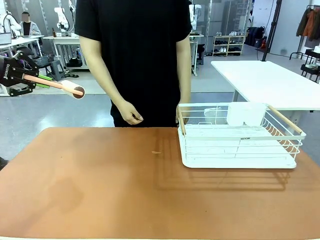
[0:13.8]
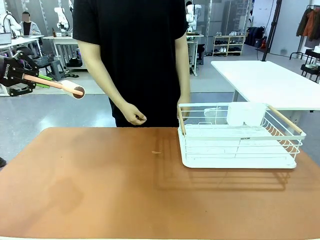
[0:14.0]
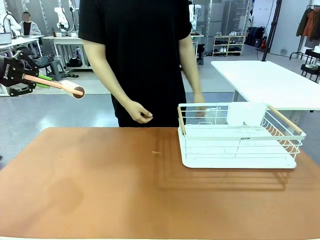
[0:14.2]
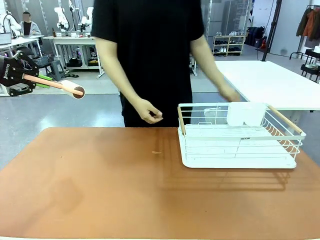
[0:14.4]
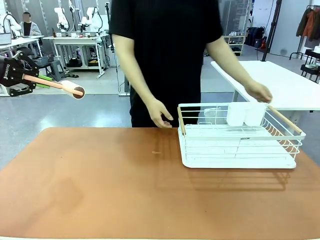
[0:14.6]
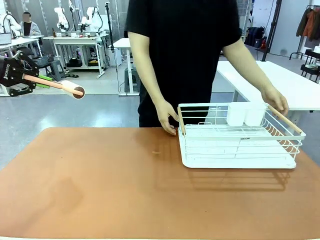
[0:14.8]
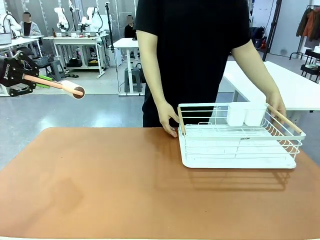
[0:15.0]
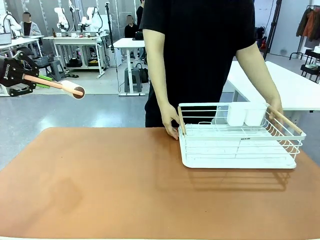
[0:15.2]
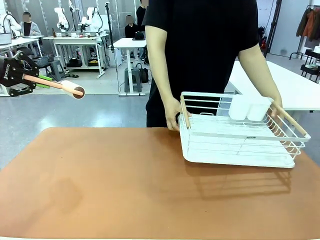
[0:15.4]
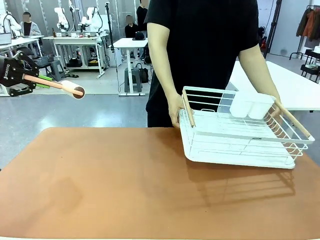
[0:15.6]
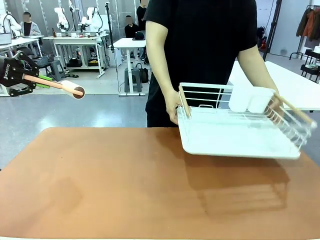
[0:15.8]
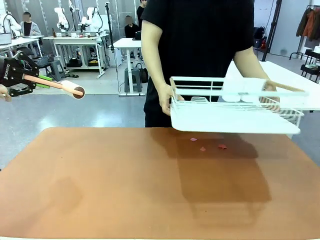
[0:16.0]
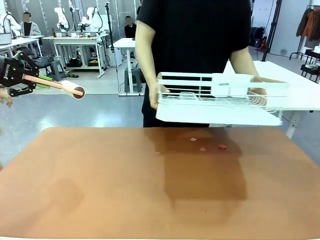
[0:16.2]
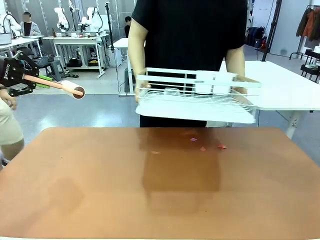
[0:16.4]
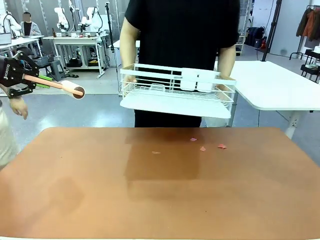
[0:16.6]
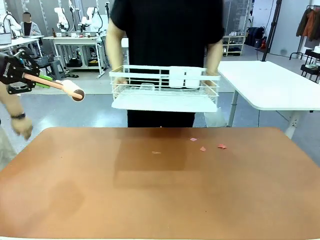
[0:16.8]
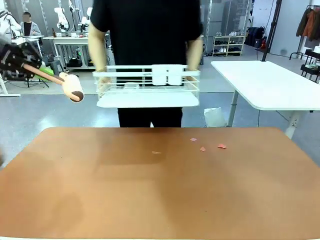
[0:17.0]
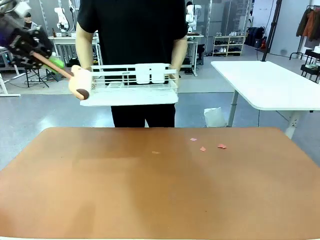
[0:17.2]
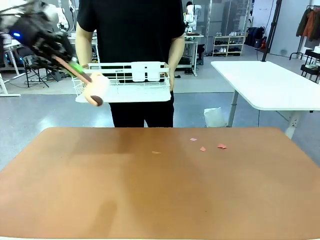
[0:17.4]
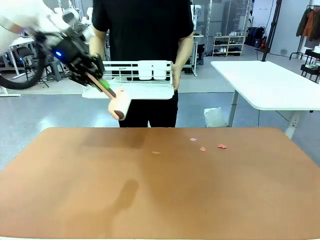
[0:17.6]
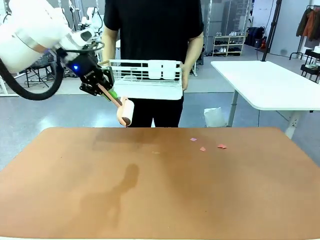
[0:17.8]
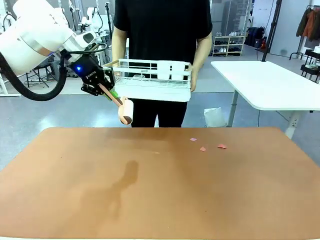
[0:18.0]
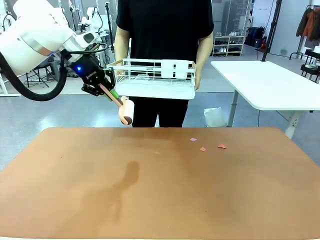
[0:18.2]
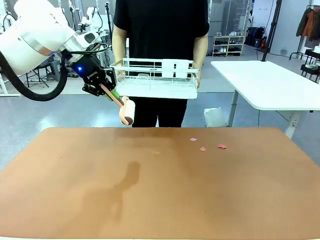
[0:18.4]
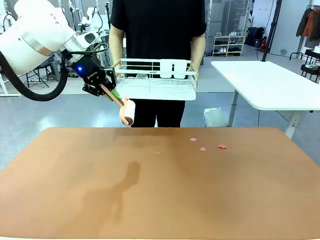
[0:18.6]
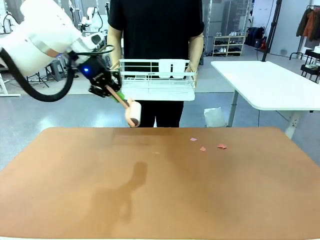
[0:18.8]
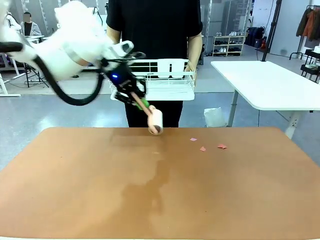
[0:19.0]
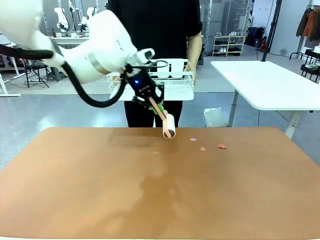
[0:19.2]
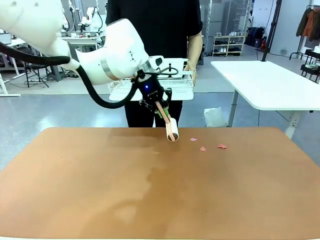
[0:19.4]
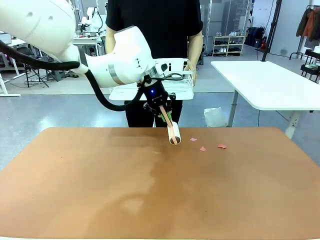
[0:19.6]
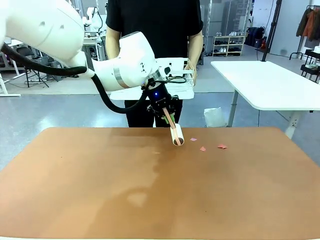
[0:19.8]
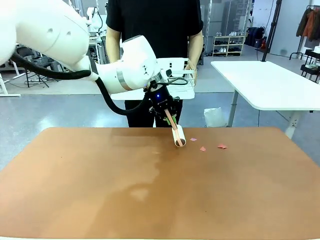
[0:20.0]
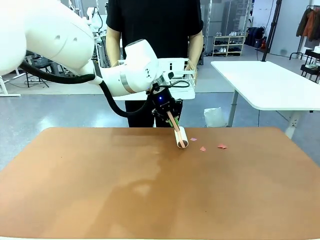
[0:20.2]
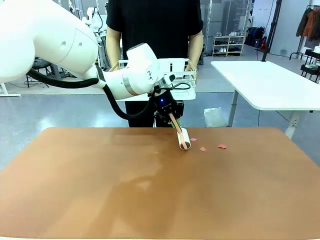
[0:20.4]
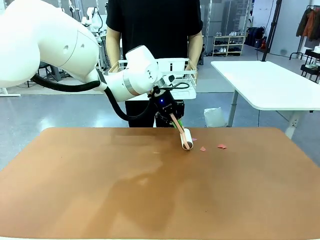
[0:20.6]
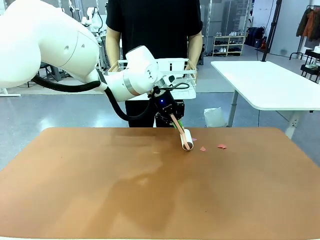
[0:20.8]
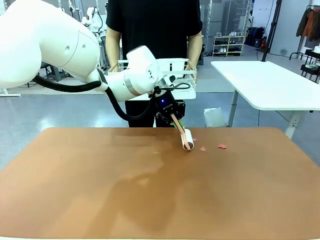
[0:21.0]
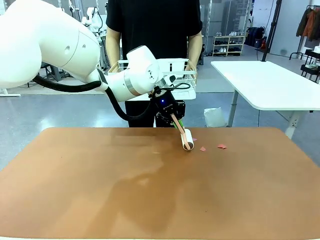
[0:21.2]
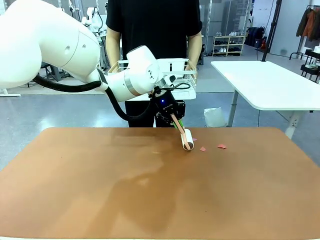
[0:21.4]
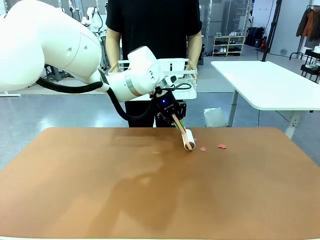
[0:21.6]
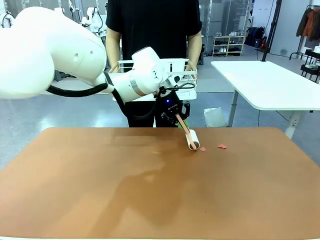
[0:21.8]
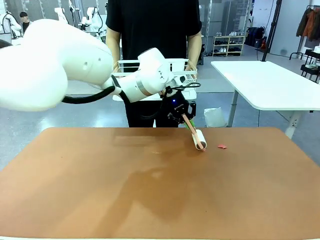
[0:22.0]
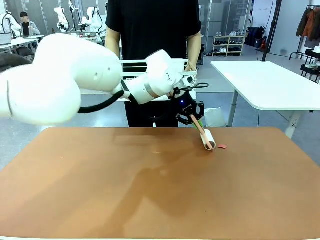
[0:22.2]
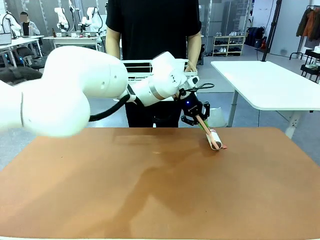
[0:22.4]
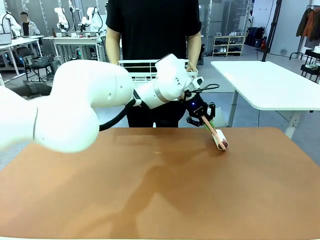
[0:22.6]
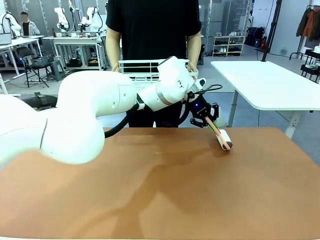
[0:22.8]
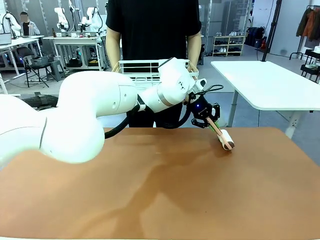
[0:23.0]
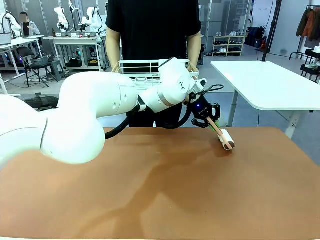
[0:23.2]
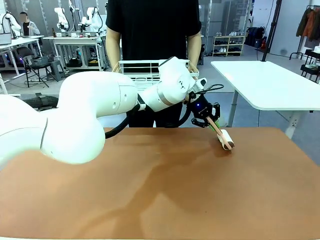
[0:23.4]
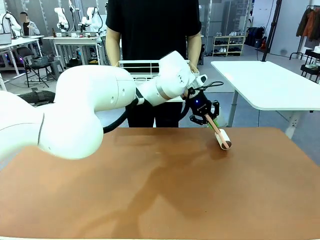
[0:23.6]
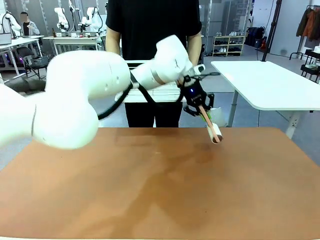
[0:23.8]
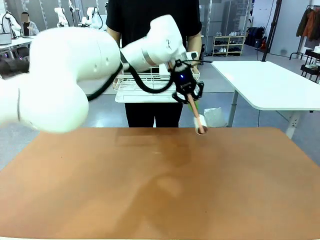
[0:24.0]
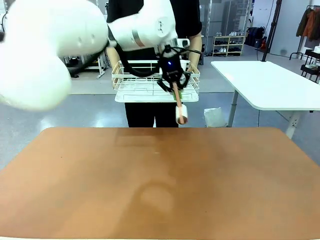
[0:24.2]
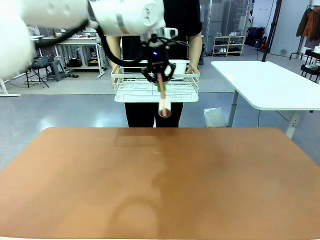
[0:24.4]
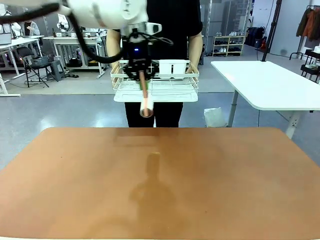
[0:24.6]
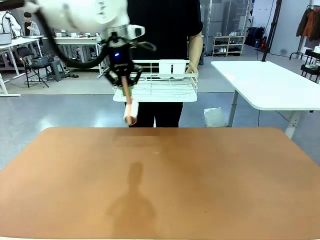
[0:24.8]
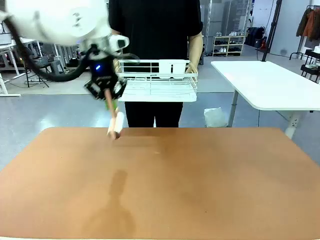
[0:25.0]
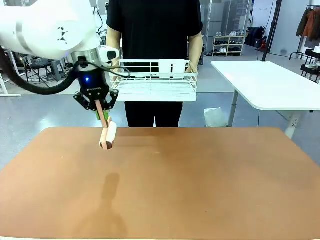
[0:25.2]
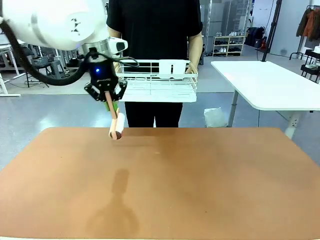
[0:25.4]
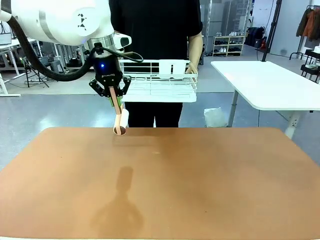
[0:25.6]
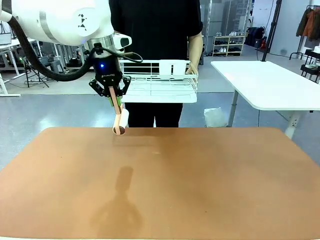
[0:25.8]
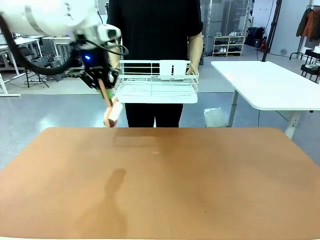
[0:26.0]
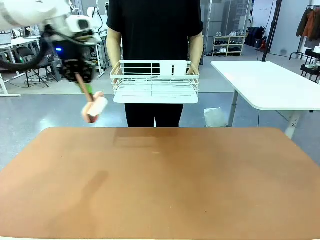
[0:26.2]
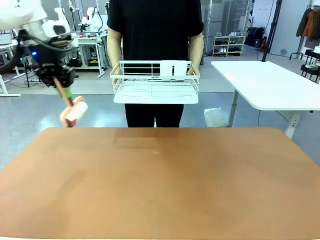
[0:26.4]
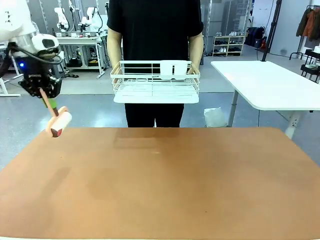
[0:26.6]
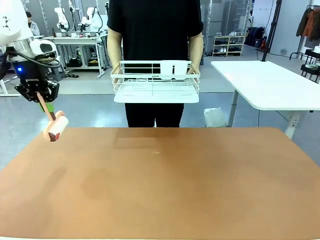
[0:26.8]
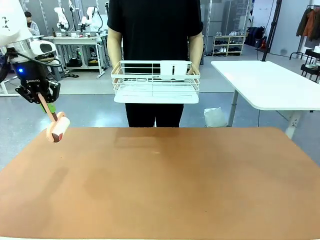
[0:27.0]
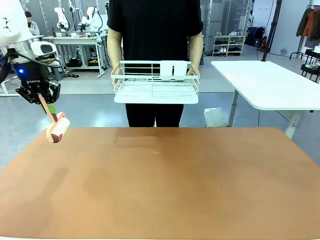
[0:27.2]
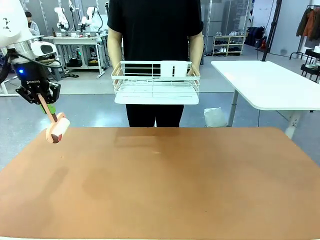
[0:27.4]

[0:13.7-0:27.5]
Task: Clean the table.
Robot: Clean the table with the Lint Roller when the human lifts the Dish drying rack.
Person: Place the Dish drying rack down when the robot finishes cleaning.

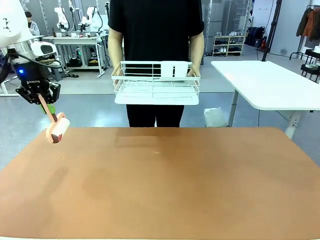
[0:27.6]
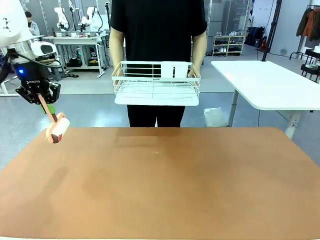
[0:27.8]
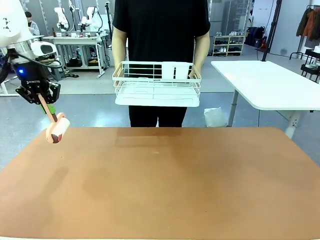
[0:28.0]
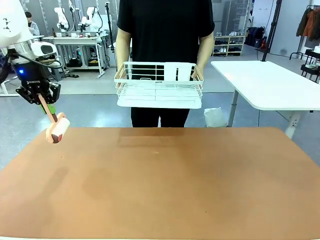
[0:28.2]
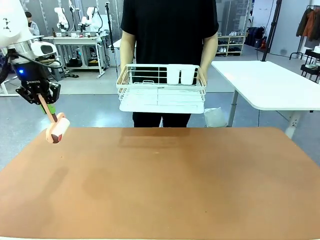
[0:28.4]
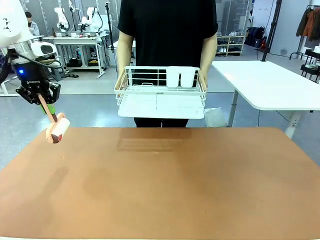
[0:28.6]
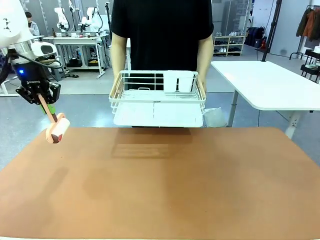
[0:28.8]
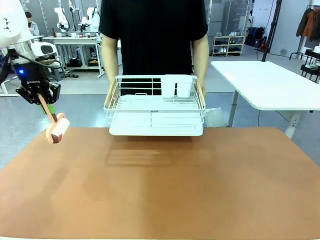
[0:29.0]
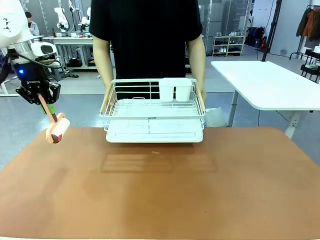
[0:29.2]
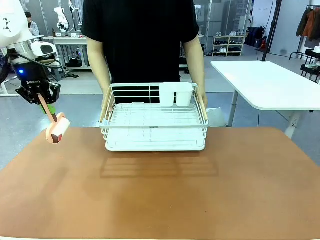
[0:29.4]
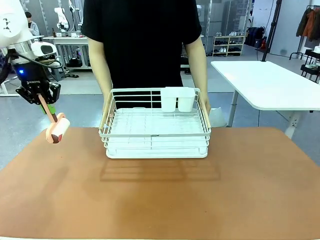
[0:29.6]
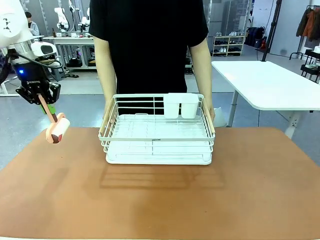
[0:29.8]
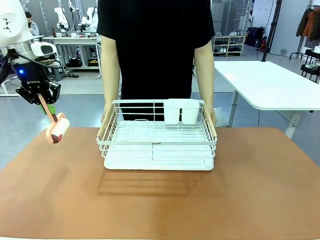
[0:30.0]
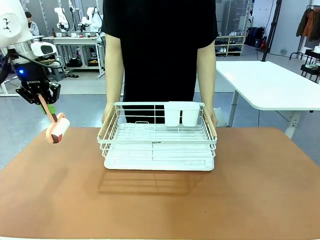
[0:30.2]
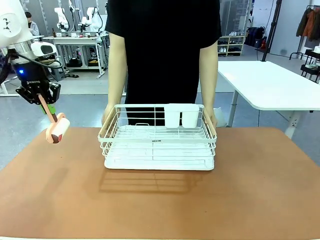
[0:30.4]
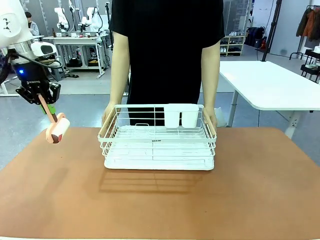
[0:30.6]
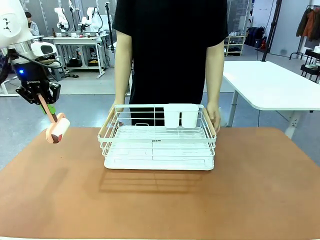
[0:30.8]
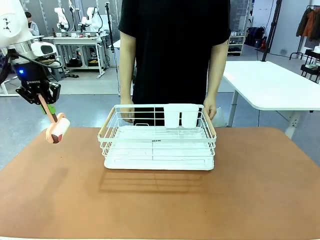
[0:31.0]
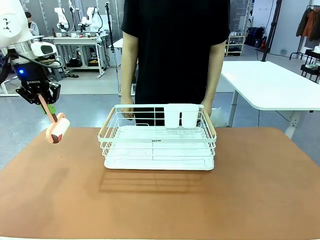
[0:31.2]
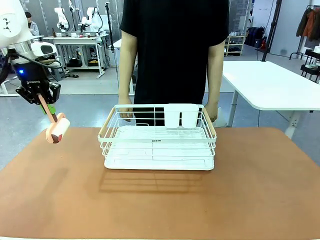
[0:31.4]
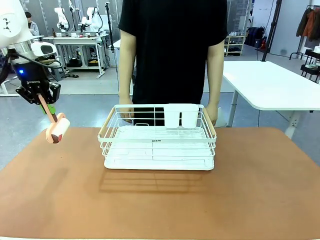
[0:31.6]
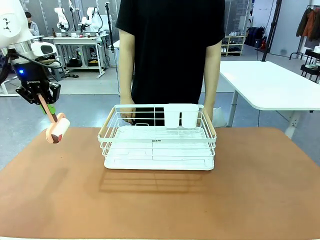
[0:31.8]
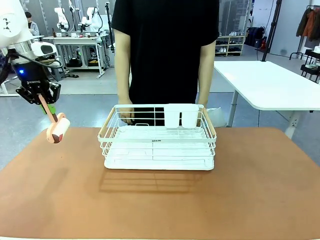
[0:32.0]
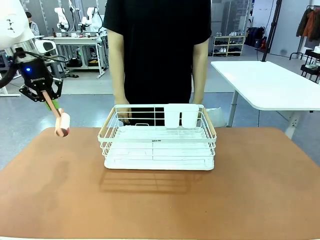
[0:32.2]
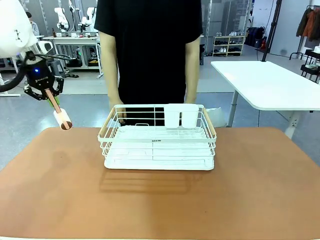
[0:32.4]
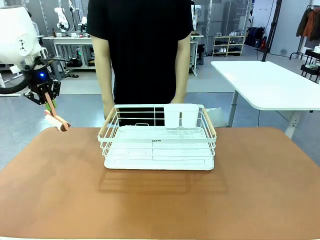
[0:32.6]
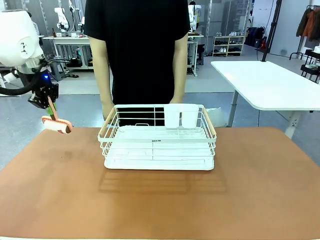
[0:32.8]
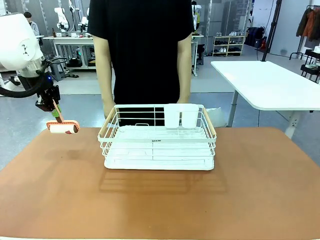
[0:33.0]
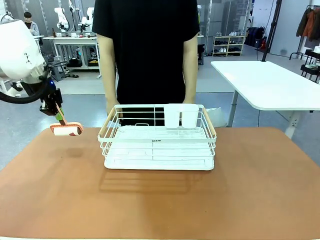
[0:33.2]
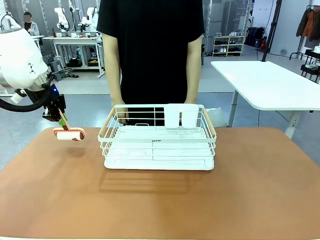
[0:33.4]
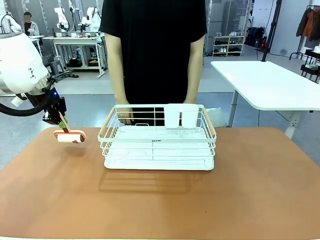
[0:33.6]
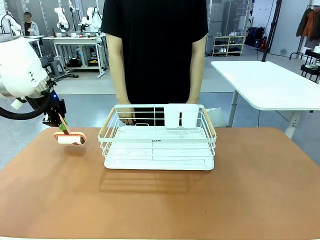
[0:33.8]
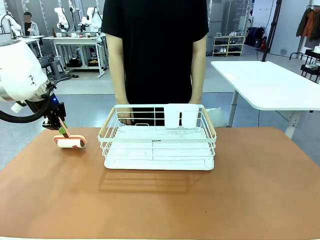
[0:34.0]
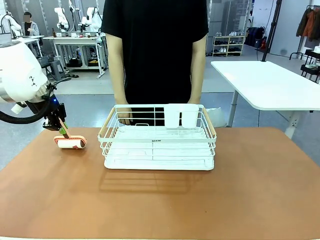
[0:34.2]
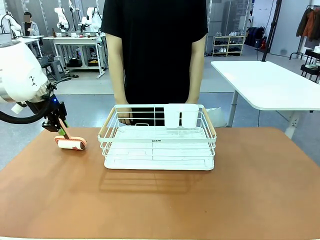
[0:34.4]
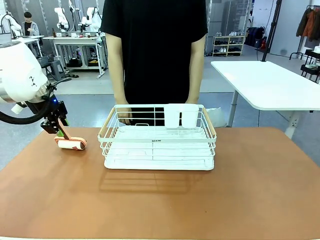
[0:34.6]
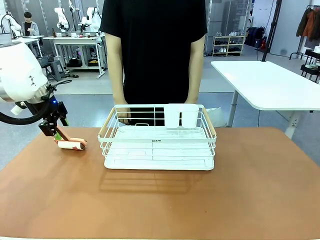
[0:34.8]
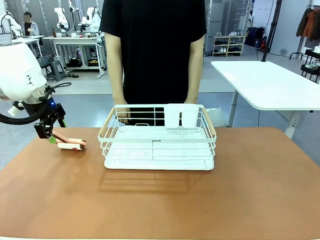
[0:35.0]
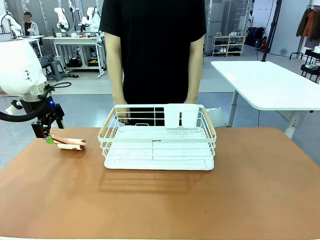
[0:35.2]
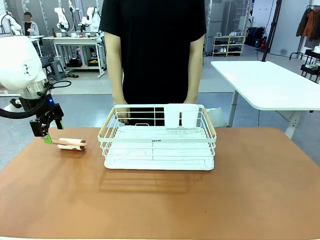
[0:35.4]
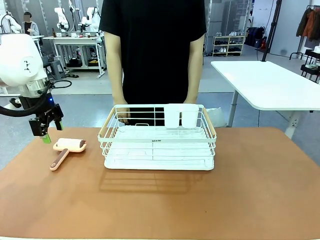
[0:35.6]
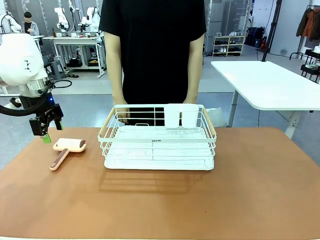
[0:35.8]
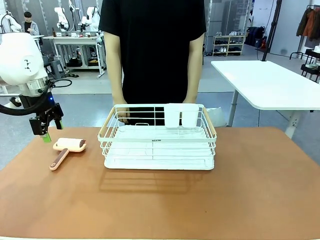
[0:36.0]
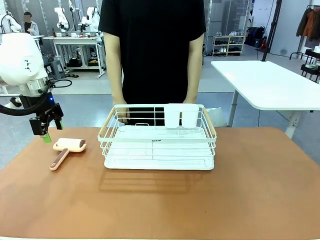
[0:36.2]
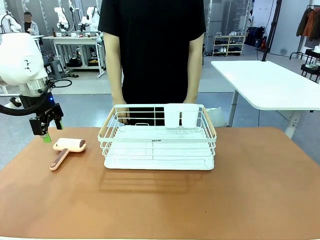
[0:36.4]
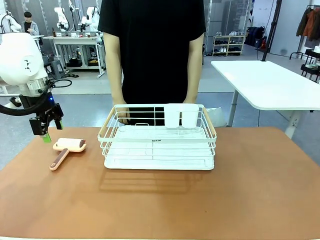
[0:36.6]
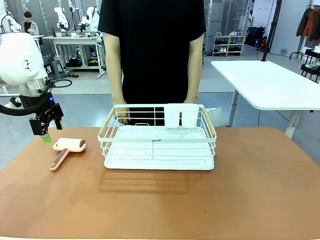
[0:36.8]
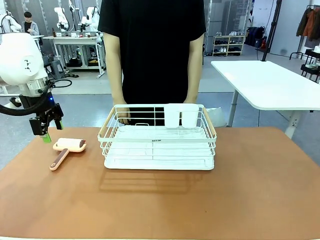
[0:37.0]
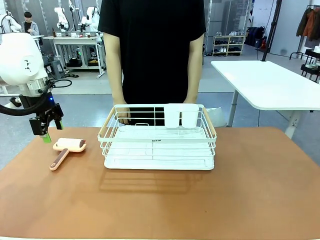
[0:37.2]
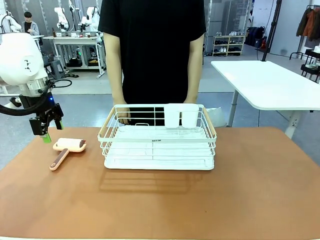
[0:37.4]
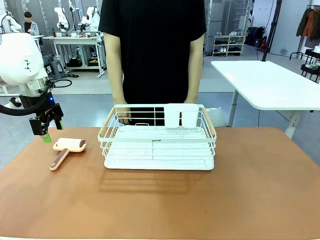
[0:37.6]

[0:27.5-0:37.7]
Robot: Place the Lint Roller down when the Dish drying rack is positioned in the middle of the table.
